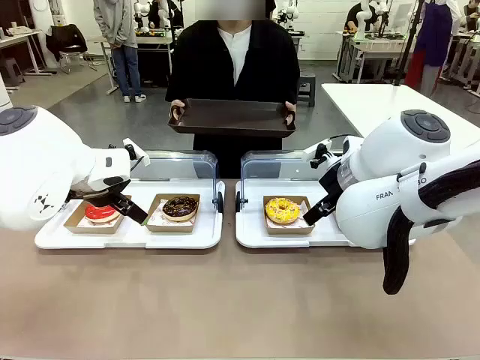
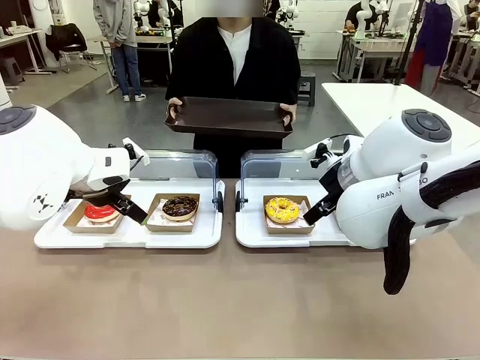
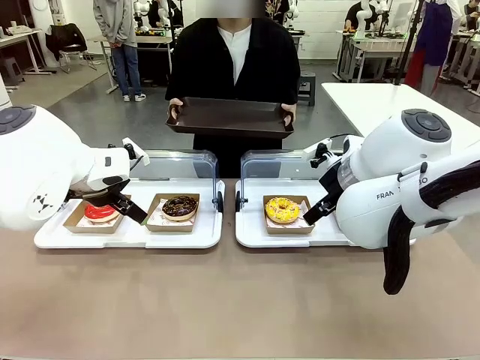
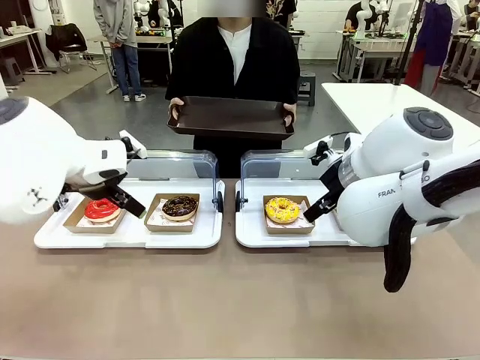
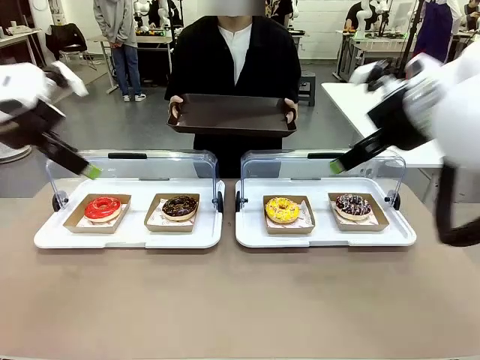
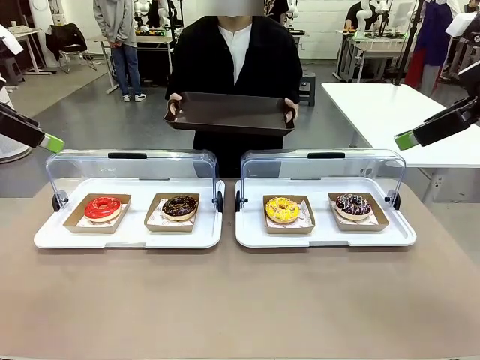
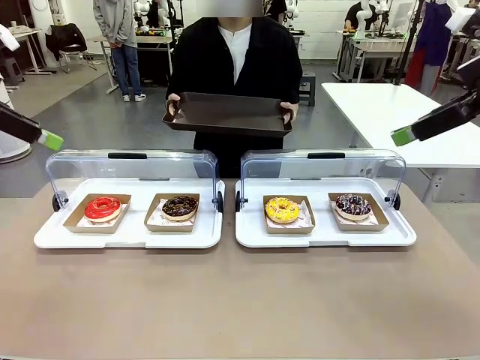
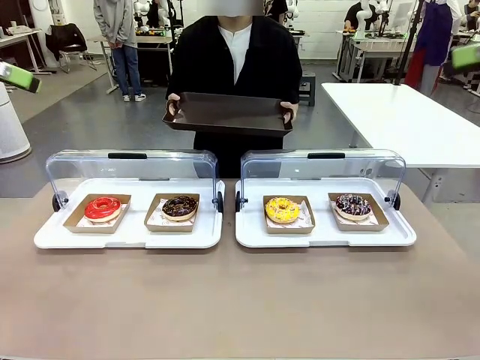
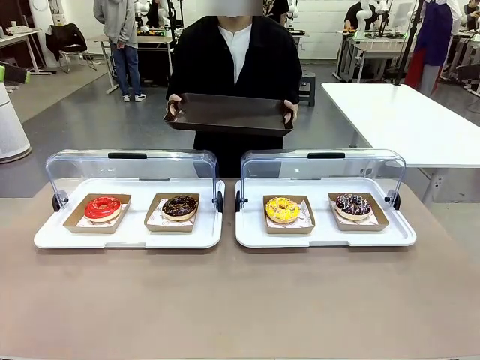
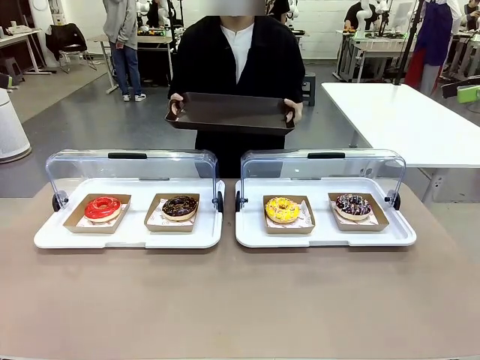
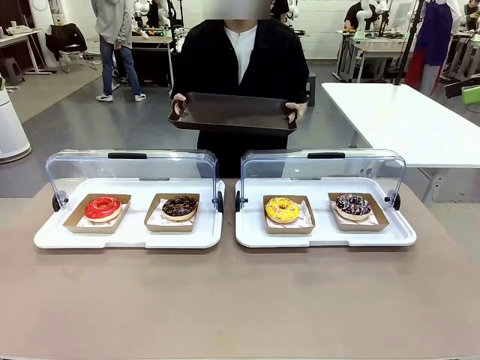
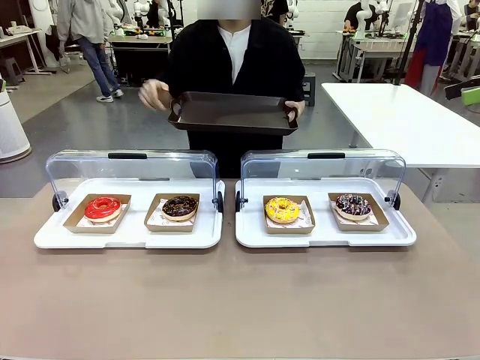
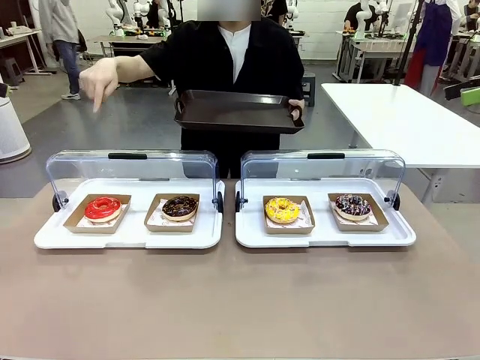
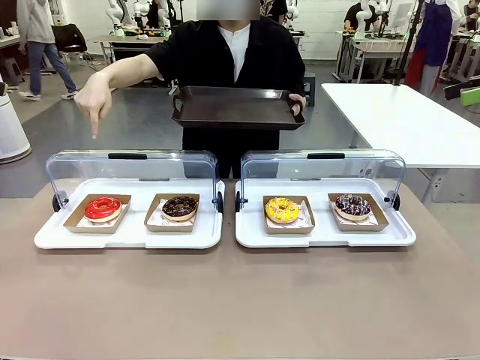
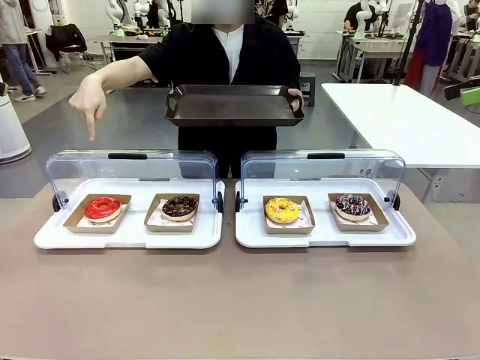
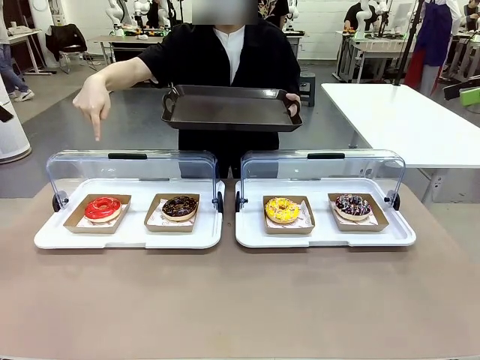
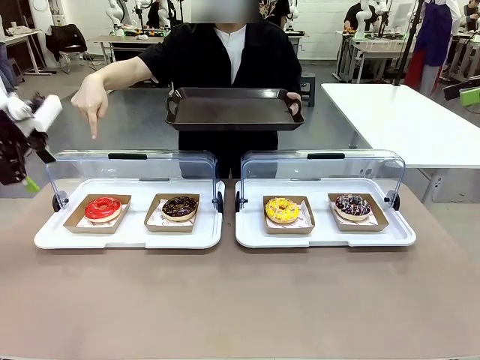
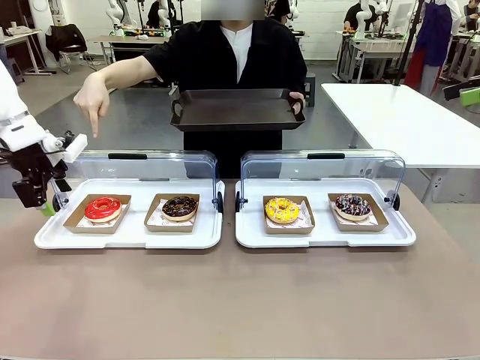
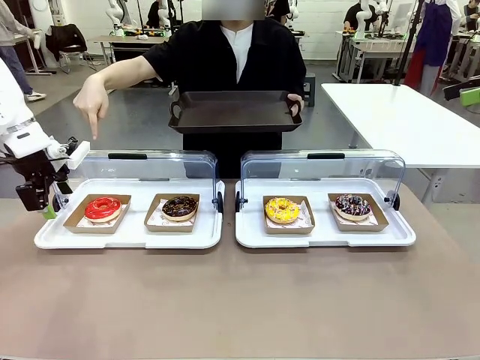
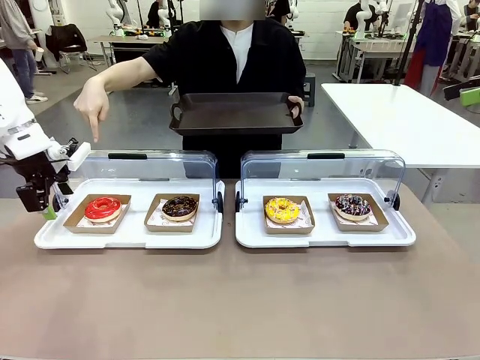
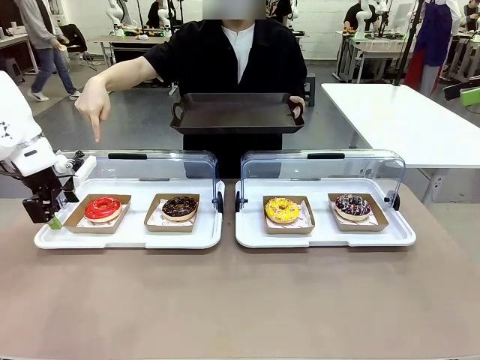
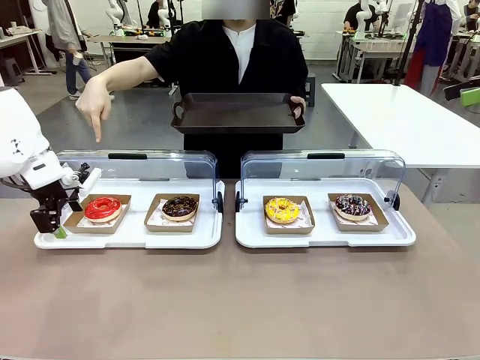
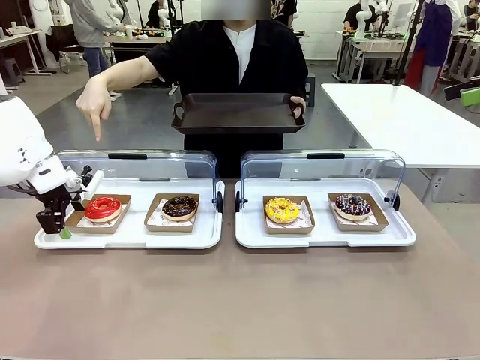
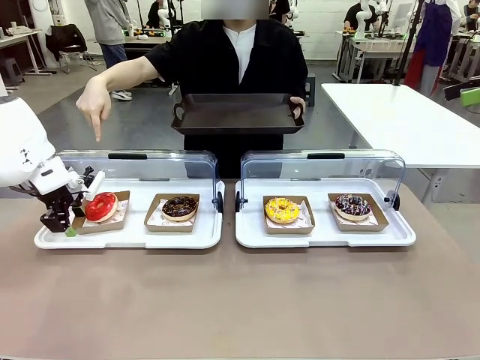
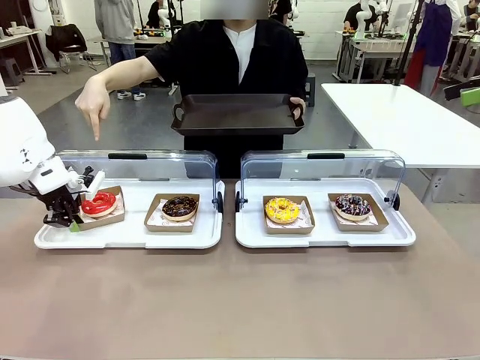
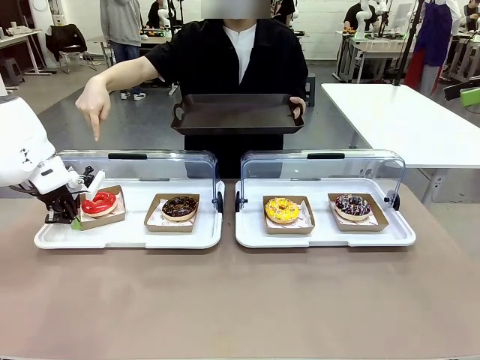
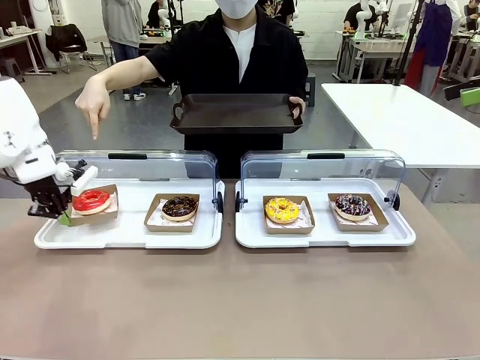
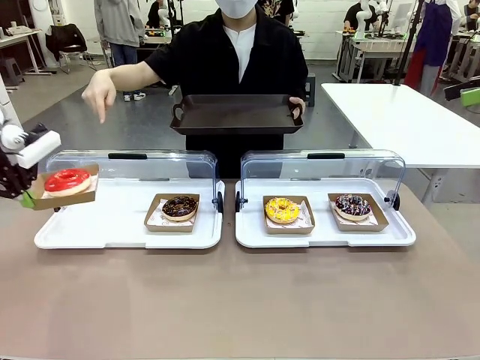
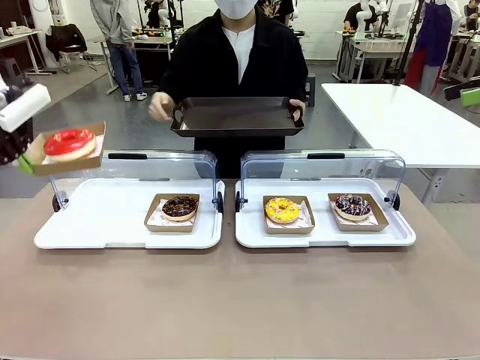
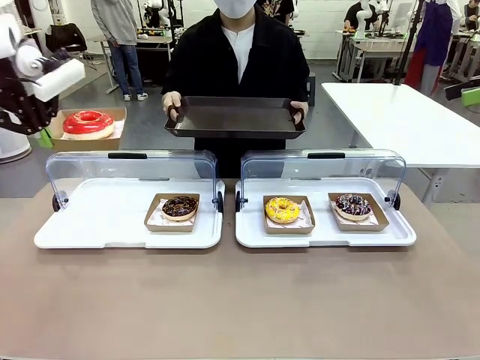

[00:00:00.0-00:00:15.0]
Task: Provide the desired donut to the person.
Robot: Pick up and lift the Paper togo box containing the Donut pointed at by the person.
Person: Point to one donut. Lift the tray onto the Roll-Top Bakery Case.

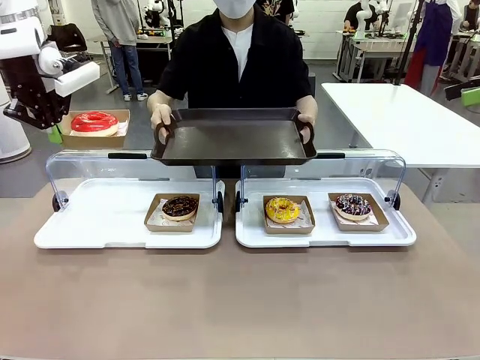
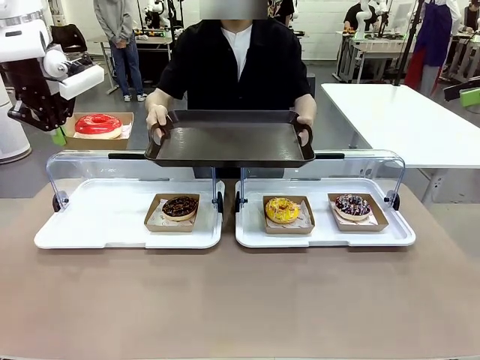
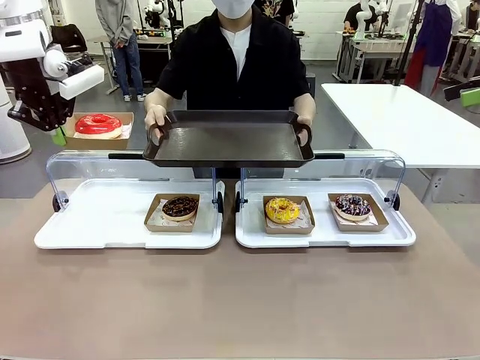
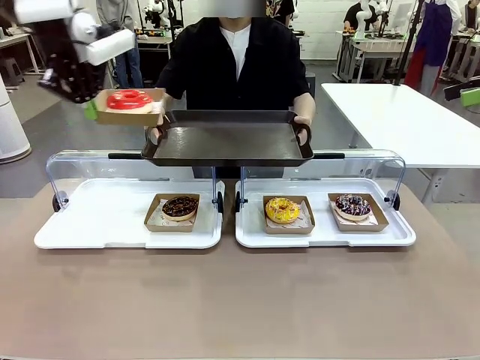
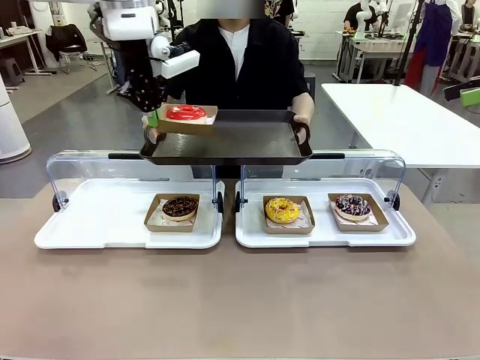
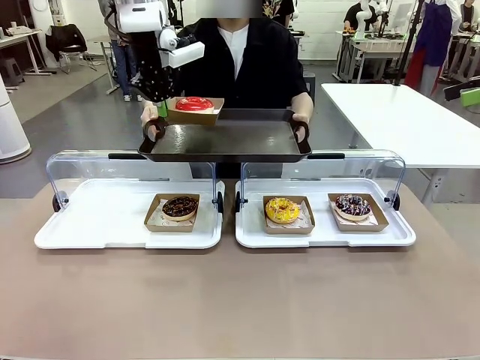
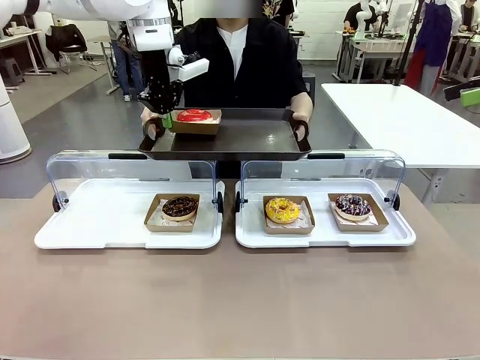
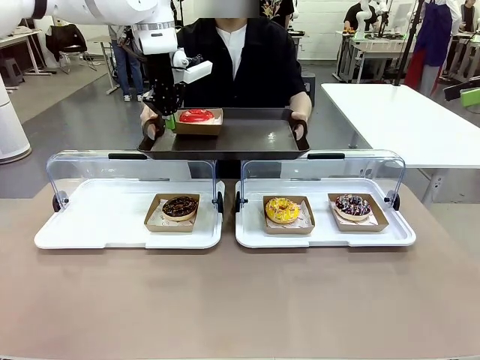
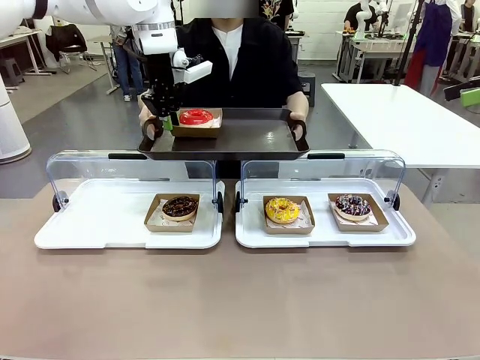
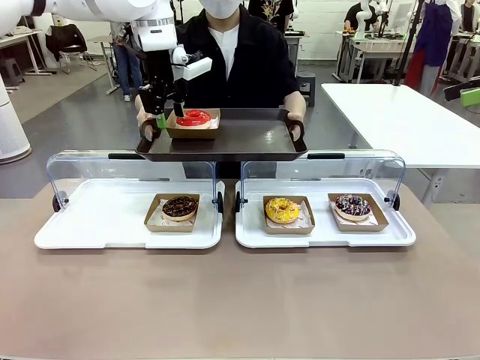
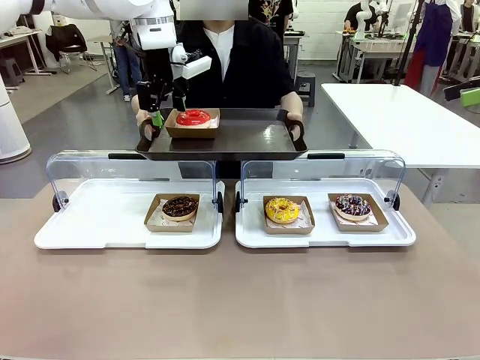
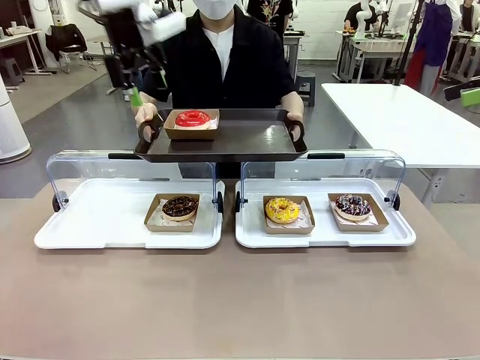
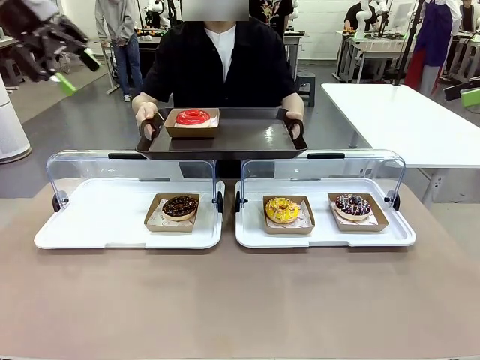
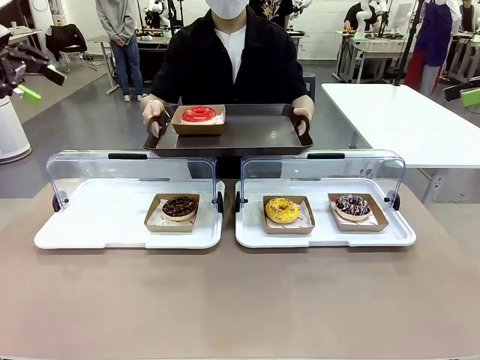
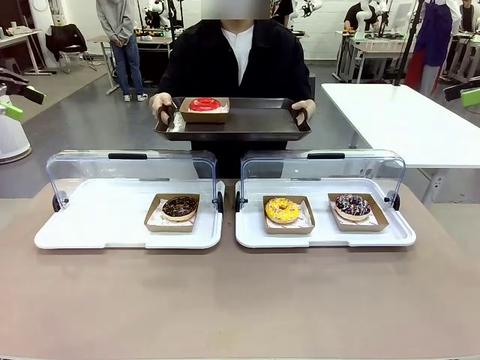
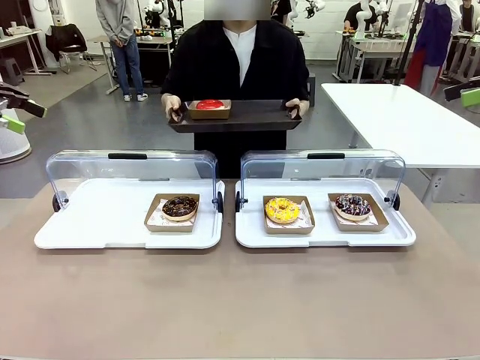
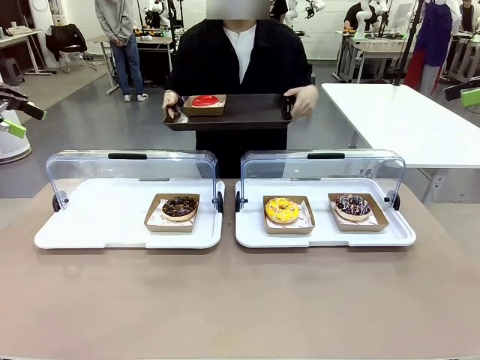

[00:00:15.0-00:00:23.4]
Robot: Place the picked Paper togo box onto the Handle tray extended by the person.
Person: Point to one donut.
